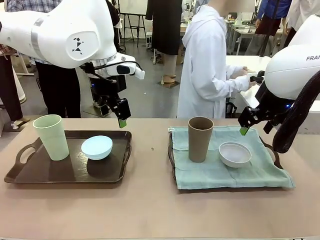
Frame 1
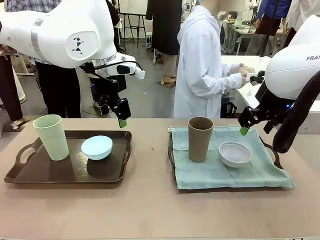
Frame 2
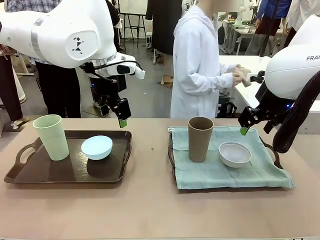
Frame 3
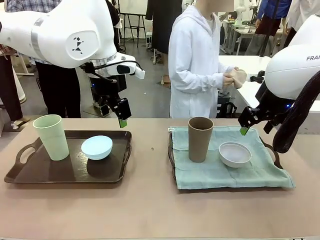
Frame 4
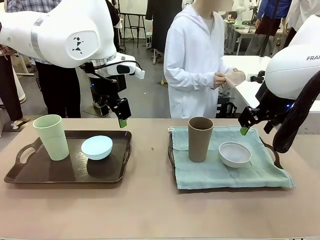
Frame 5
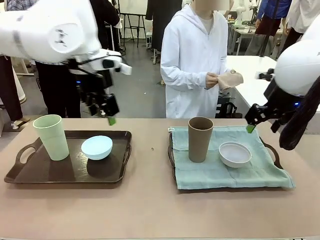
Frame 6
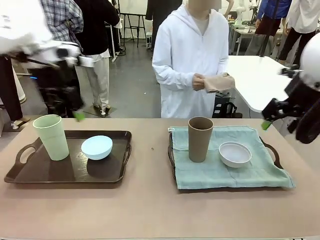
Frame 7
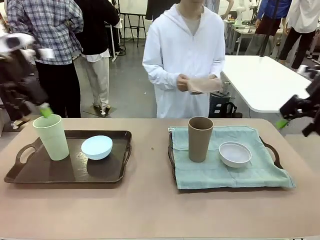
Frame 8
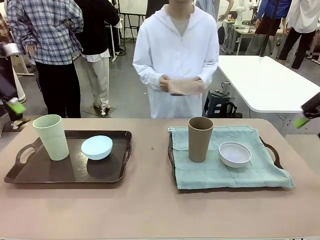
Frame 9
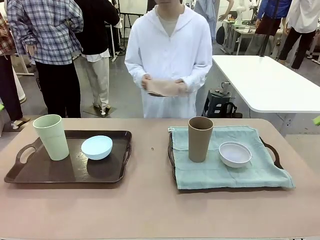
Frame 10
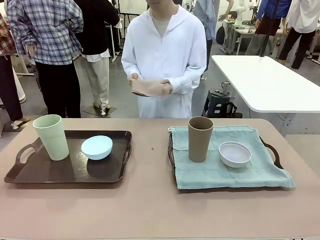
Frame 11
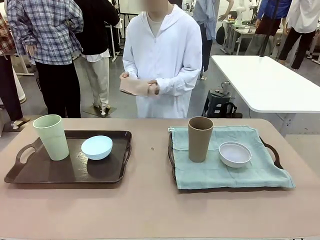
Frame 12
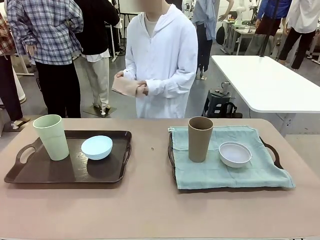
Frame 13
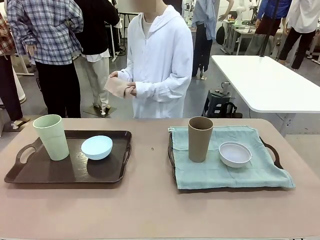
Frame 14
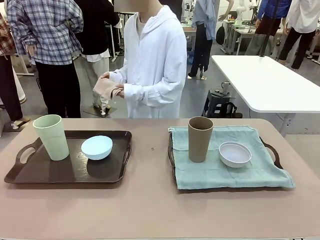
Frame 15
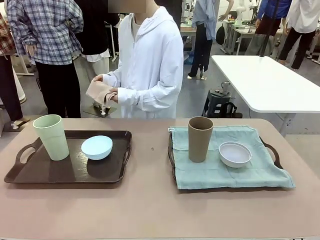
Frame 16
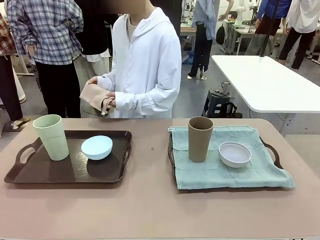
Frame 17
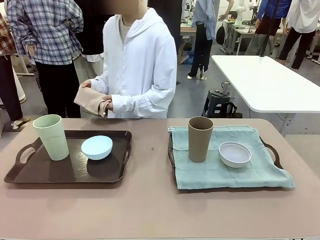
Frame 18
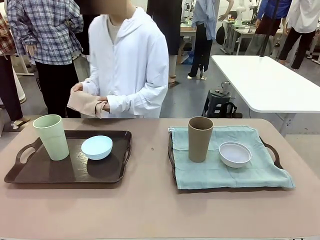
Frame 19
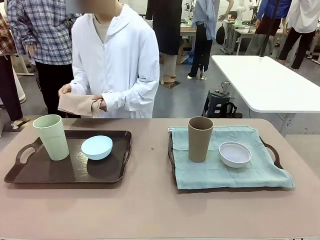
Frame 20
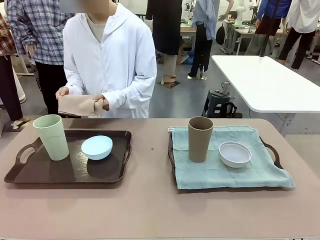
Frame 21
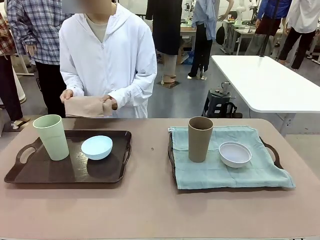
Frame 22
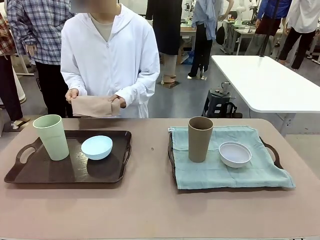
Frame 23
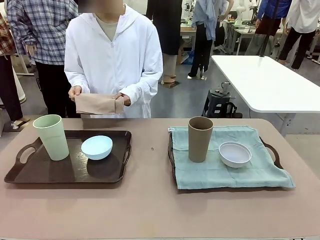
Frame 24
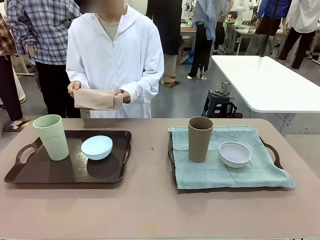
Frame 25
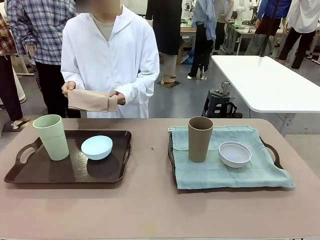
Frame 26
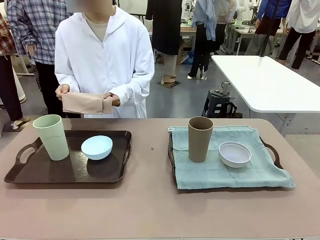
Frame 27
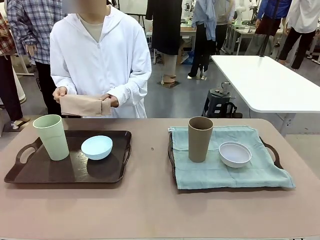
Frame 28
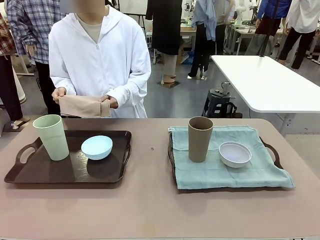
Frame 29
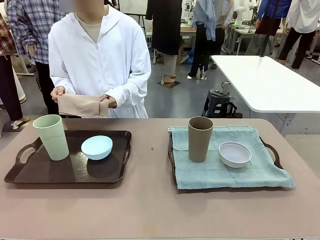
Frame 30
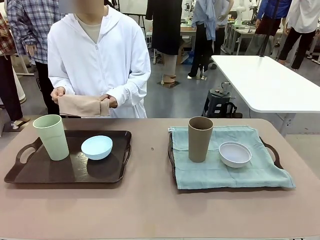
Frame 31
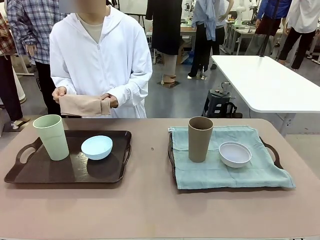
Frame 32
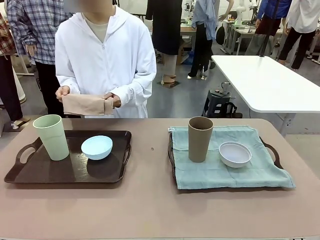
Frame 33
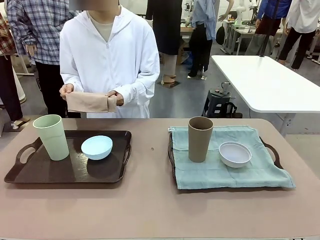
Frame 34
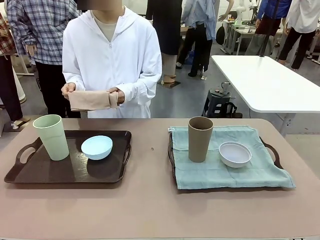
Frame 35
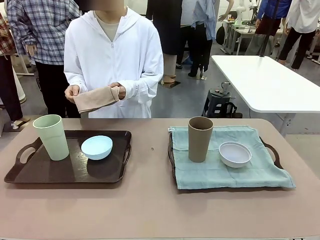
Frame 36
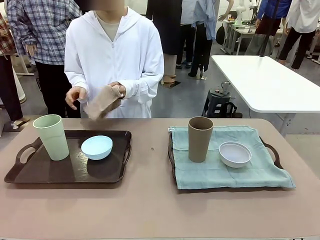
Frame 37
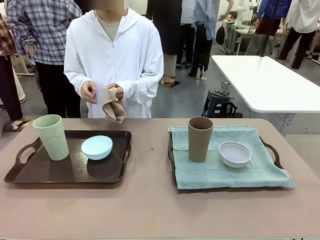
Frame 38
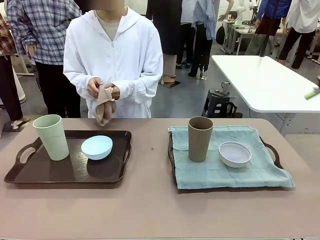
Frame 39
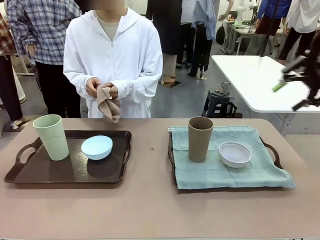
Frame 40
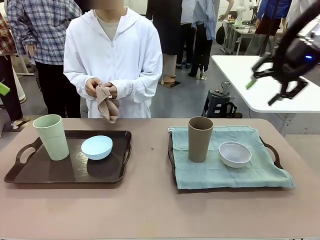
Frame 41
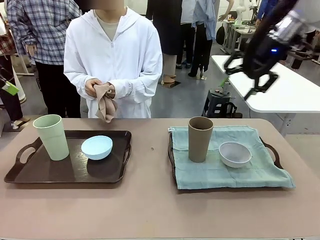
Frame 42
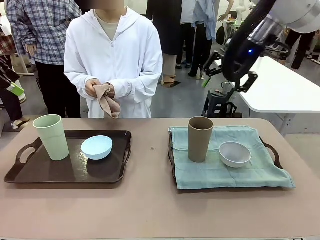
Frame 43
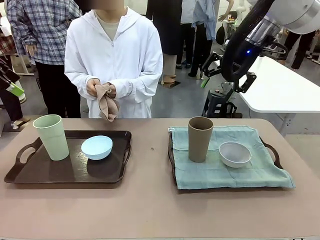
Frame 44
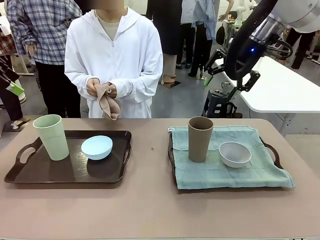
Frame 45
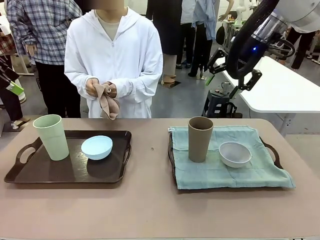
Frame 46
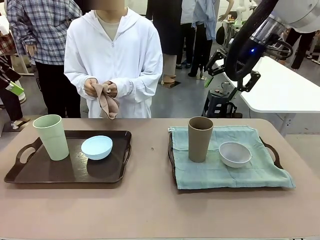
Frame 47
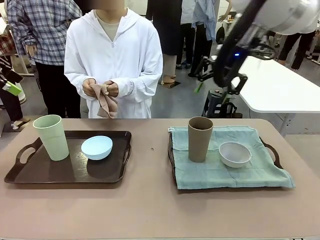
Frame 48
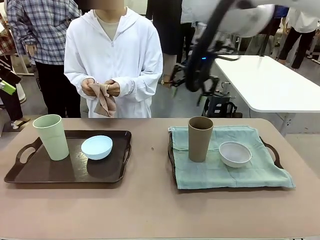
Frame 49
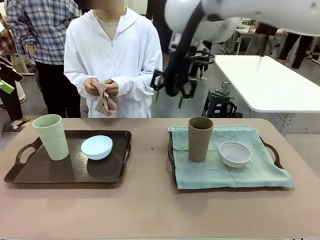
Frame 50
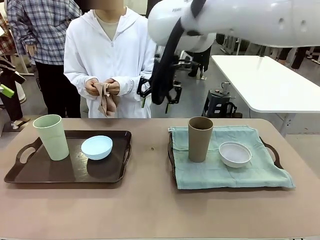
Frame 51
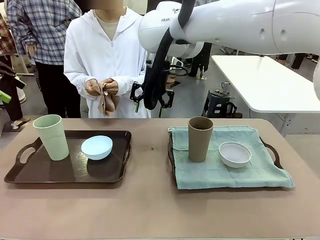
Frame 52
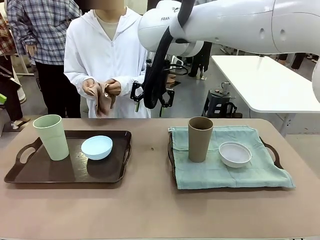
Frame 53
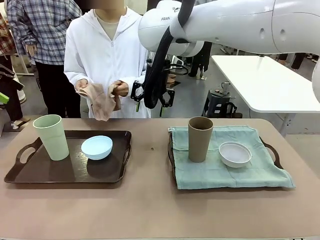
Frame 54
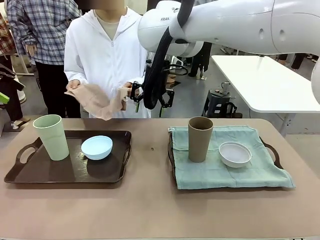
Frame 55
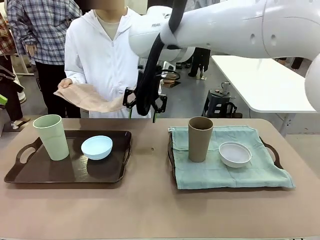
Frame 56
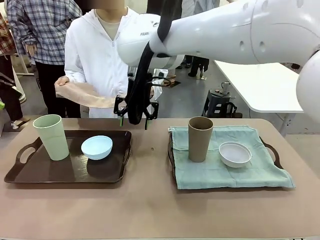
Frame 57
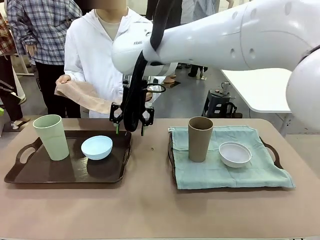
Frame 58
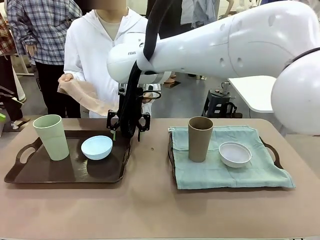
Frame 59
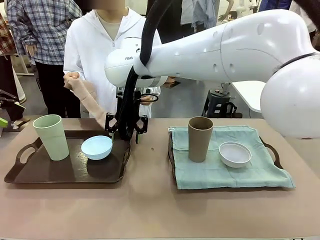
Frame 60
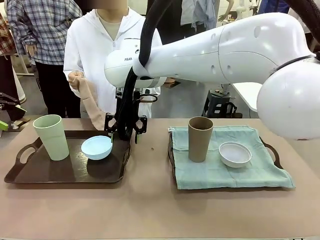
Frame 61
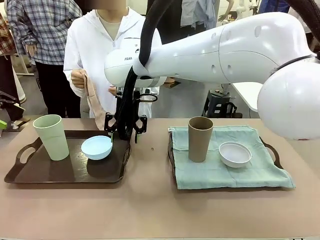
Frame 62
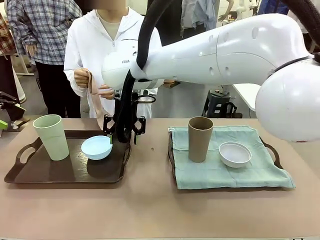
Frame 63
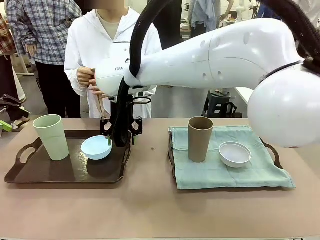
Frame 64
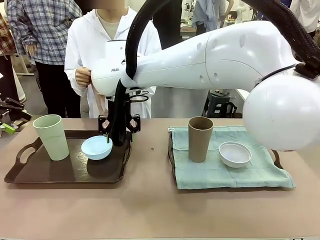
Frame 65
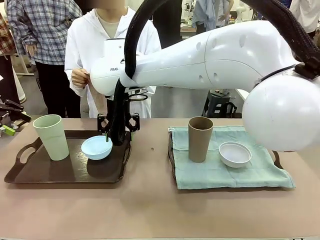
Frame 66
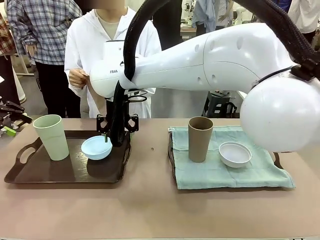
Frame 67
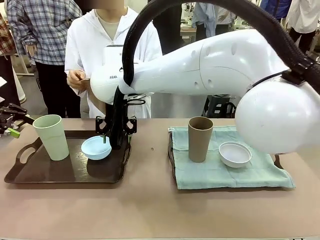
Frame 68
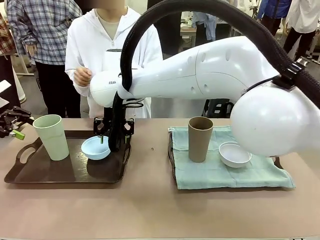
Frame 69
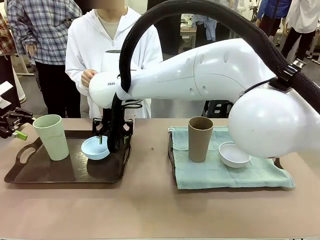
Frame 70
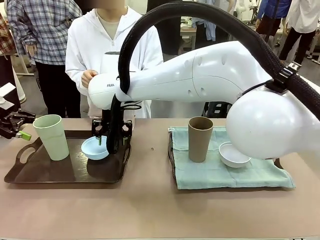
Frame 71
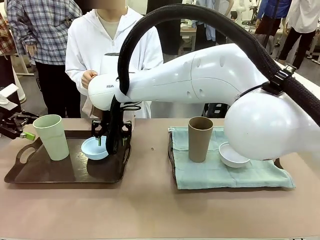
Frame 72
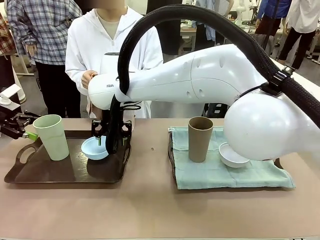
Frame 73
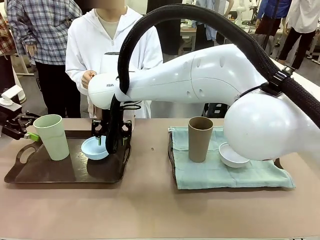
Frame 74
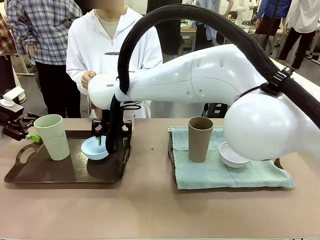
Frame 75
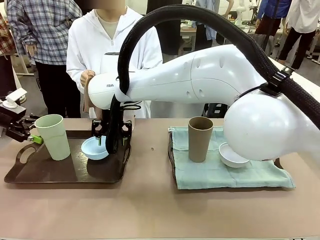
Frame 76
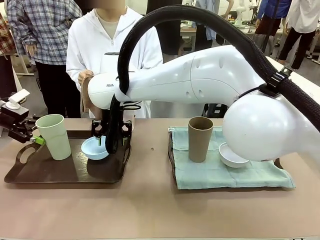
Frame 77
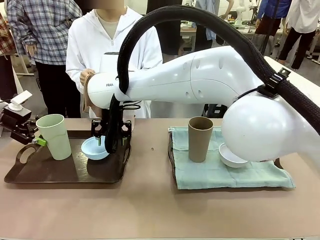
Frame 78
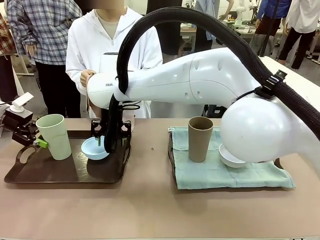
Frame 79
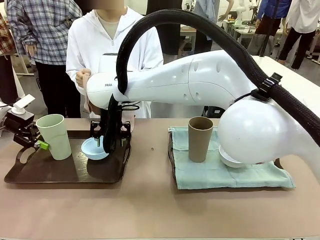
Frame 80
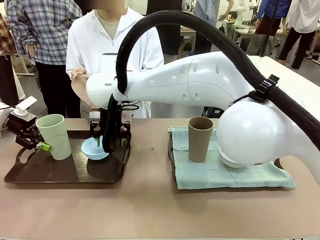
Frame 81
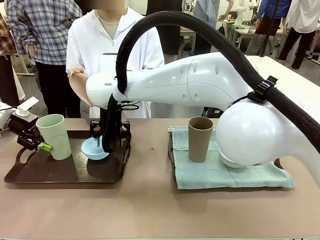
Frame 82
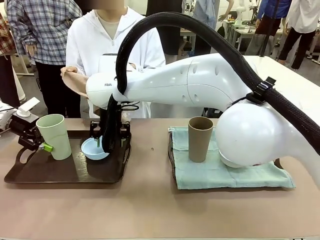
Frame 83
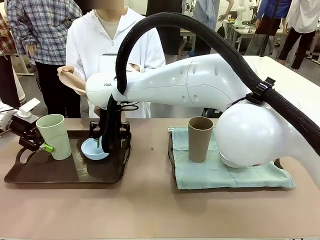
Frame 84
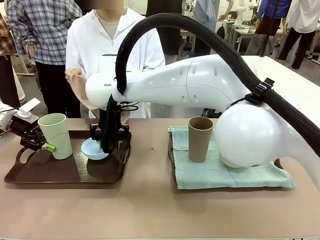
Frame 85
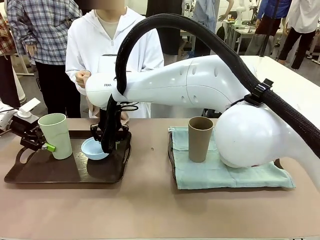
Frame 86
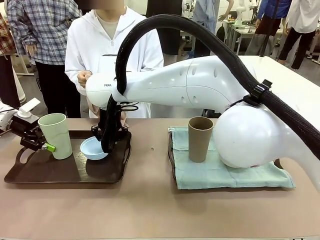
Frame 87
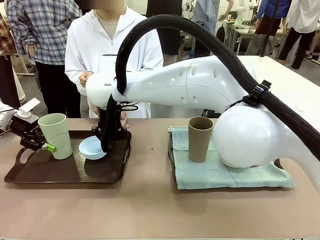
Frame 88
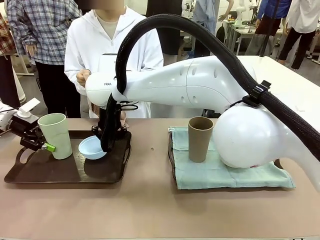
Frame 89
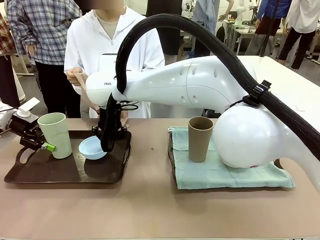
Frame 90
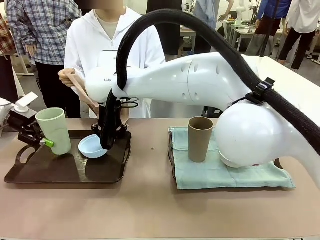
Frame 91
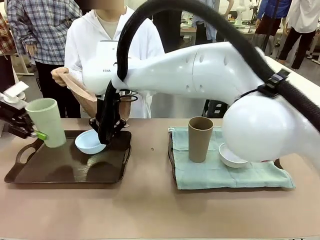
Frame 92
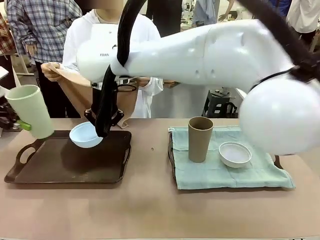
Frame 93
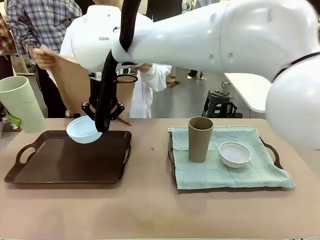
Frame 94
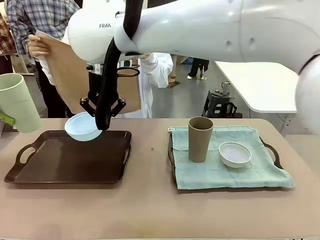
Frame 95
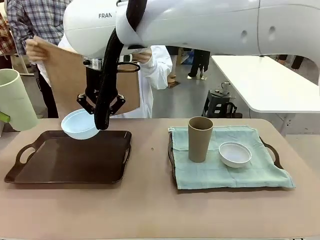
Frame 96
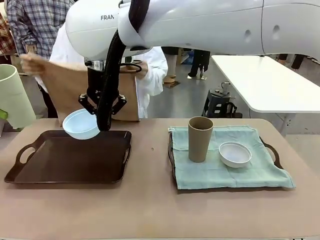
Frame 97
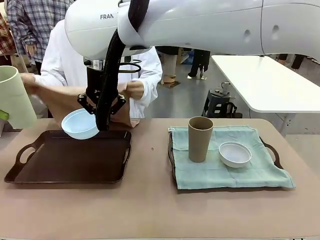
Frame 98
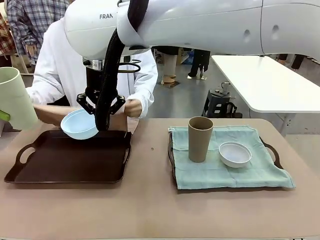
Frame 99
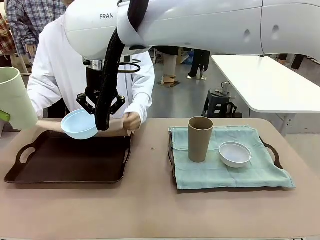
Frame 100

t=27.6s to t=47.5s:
Robot: Pick up the Picnic Bowl and Reusable plastic cup from the Handle tray in front of the human's position and hold them in the air.
Person: The human returns to the human table to pick up another napkin and walks to the robot table to stand in front of the tray without a napkin.
